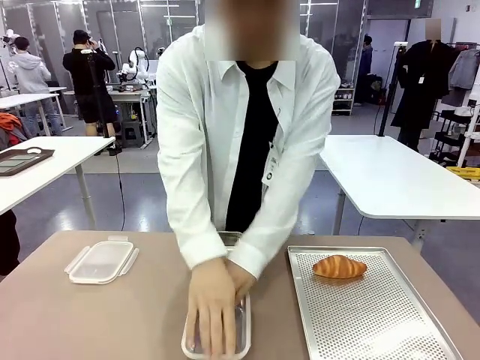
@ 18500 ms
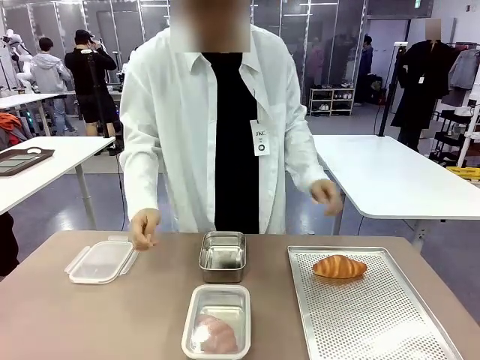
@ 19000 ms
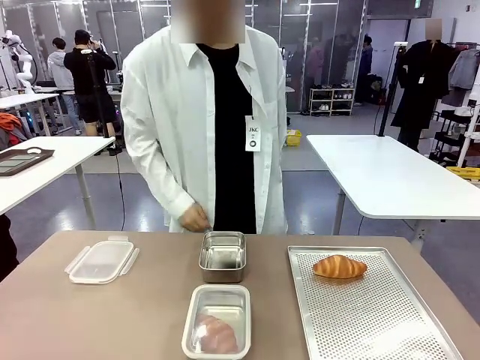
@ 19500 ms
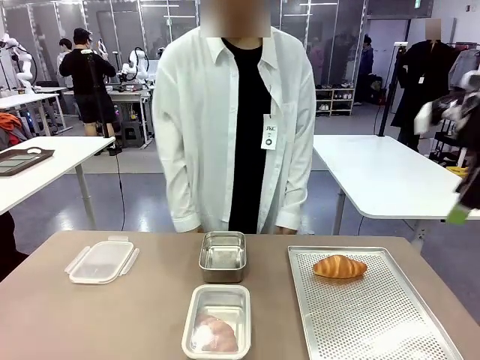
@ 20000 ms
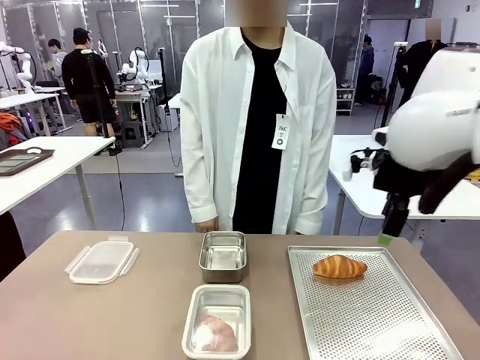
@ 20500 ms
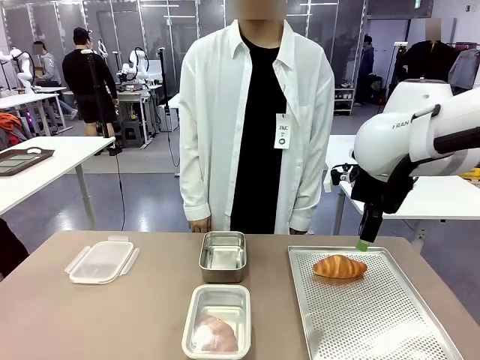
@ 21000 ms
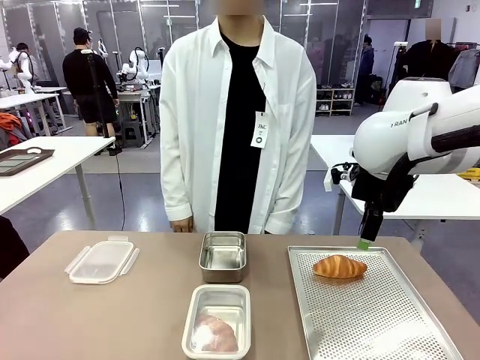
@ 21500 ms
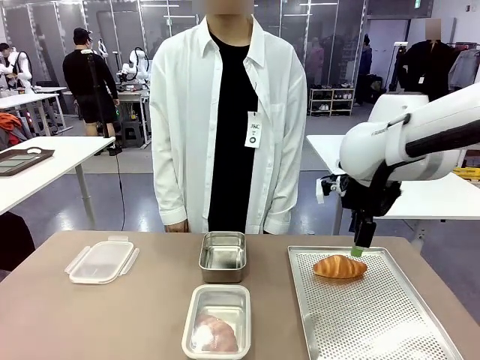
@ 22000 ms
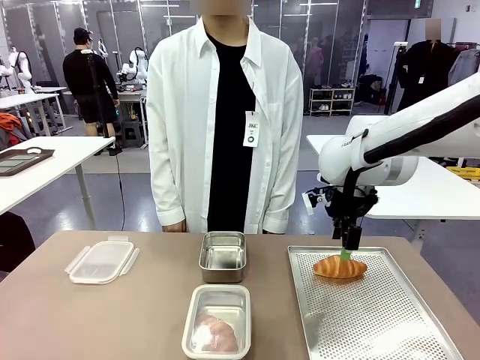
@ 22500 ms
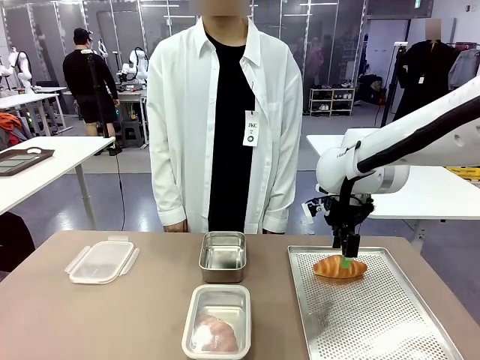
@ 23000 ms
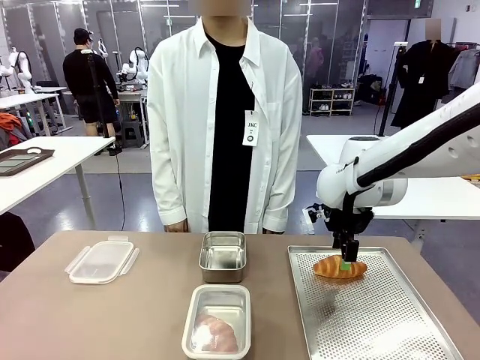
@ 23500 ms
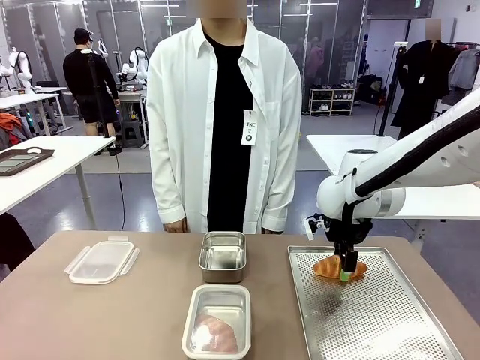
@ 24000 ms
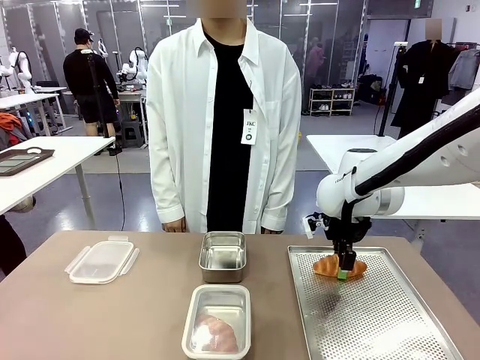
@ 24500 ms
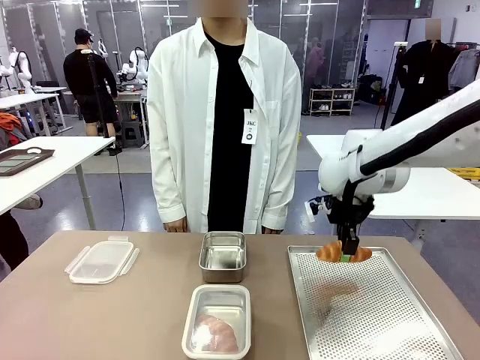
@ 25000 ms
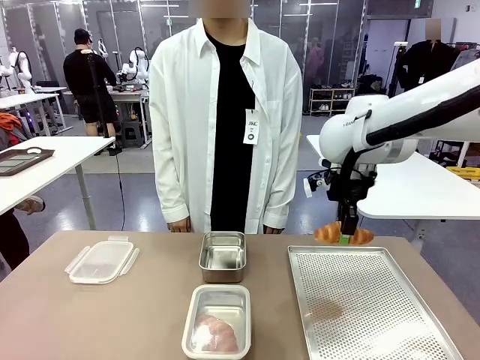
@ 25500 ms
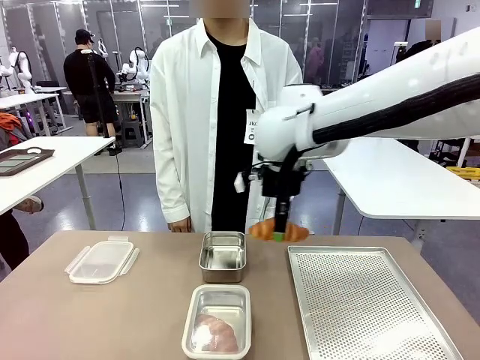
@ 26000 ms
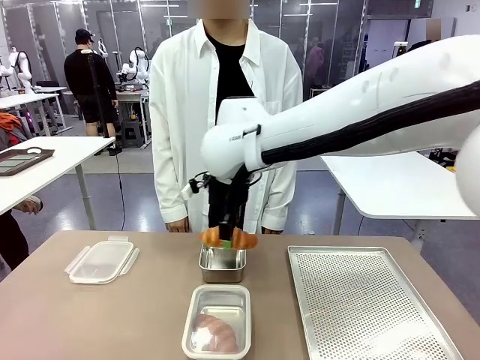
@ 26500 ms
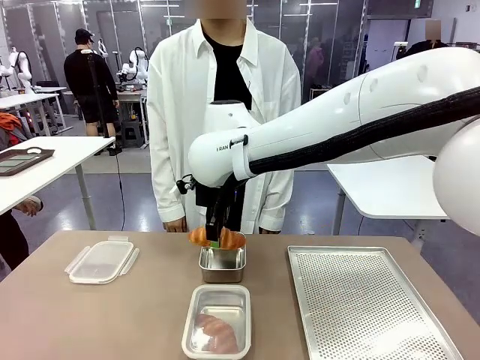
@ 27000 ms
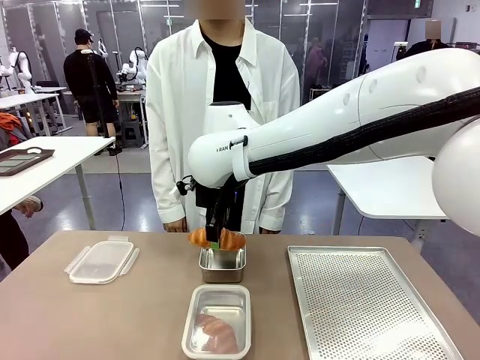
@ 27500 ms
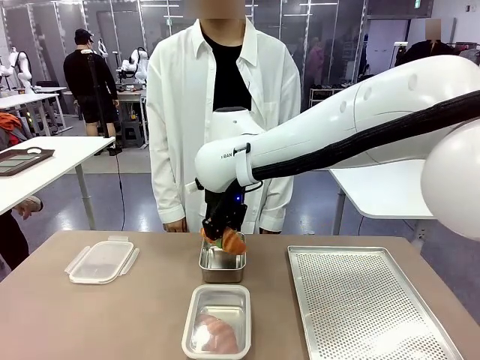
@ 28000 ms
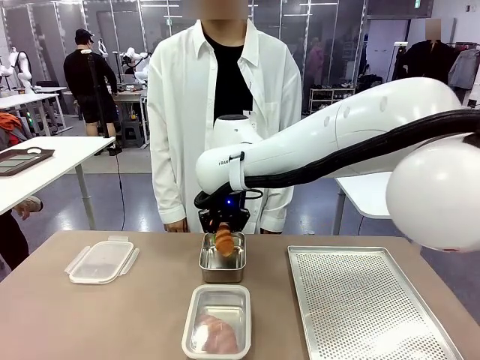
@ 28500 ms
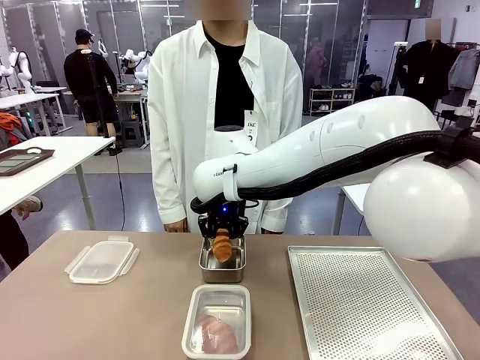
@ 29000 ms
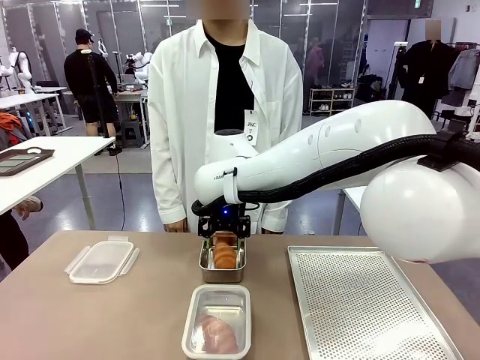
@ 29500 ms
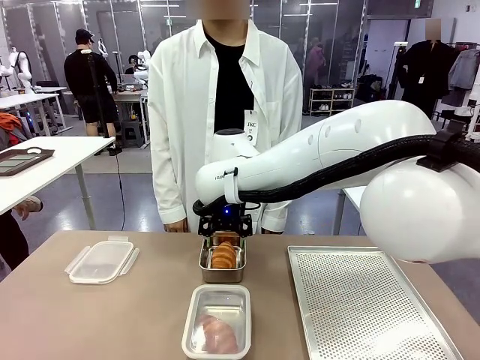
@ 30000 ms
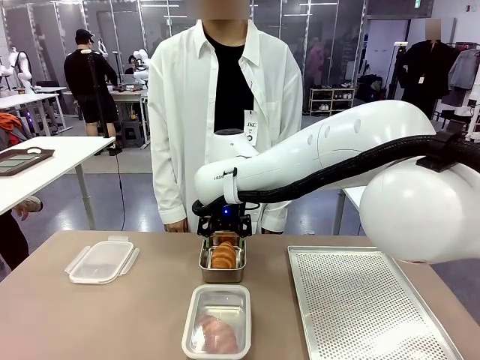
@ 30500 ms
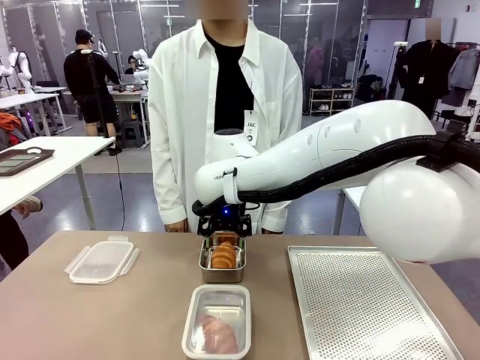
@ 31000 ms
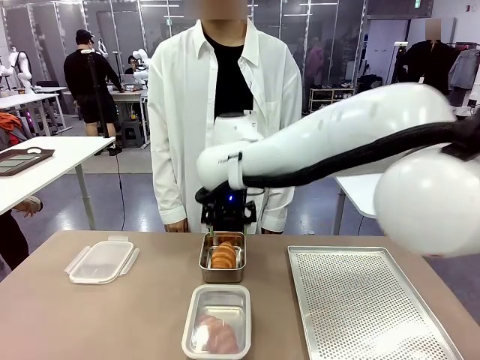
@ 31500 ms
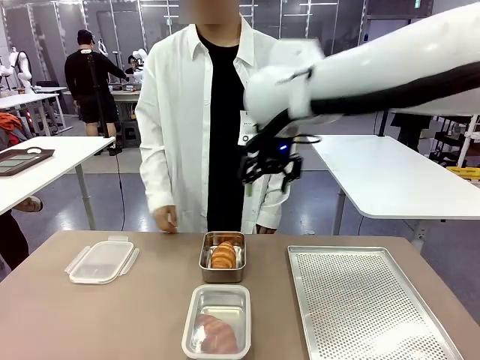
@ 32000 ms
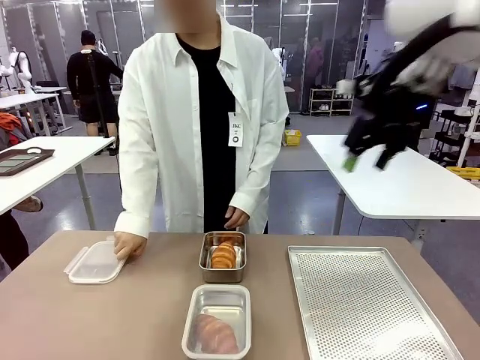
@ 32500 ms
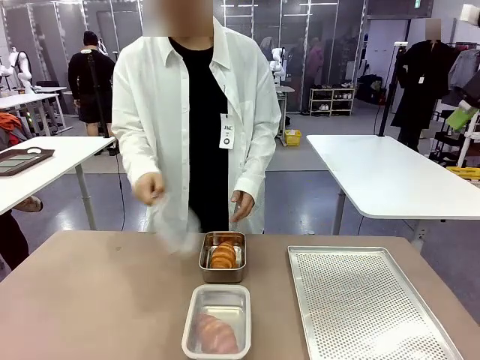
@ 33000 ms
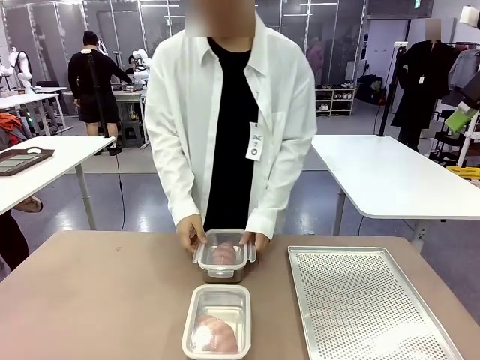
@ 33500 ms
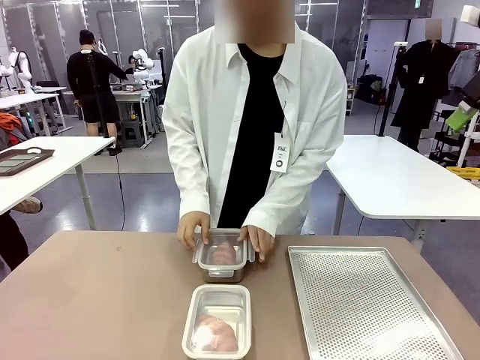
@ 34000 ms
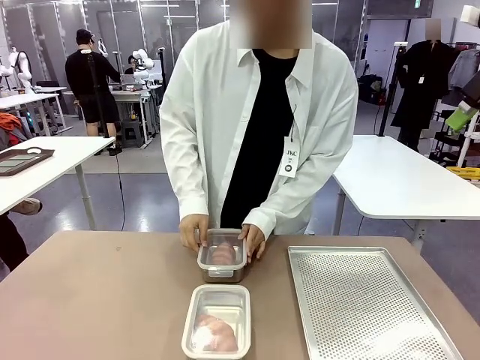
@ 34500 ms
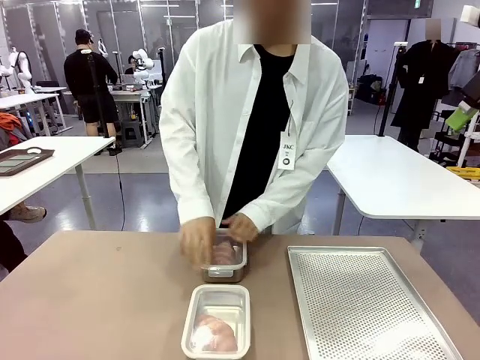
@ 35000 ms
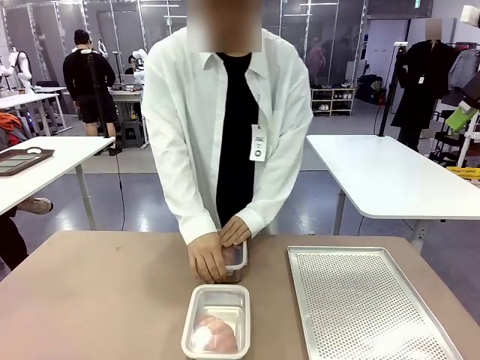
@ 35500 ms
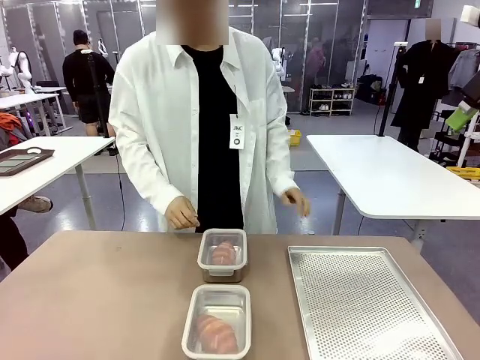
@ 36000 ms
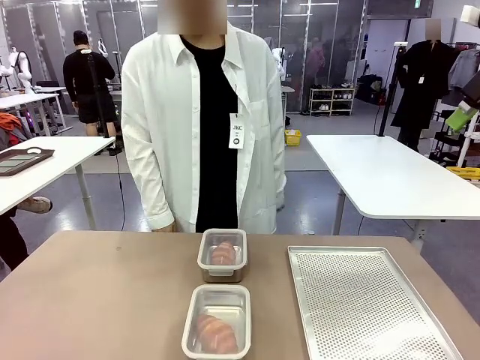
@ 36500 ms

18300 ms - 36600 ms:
Task: Place the bread into the airtight container.
Robot: Pick up a Butter Roll and place it into an empty Airtight Container.

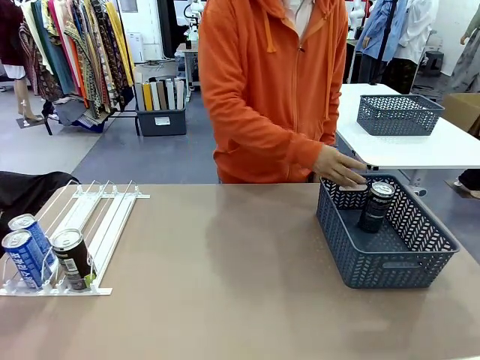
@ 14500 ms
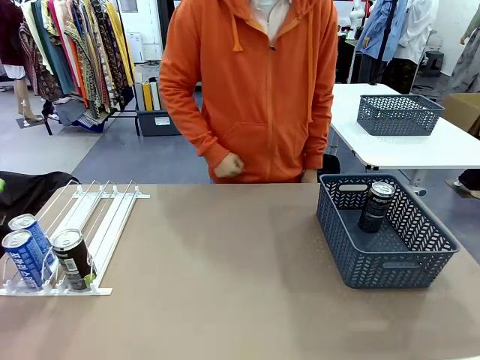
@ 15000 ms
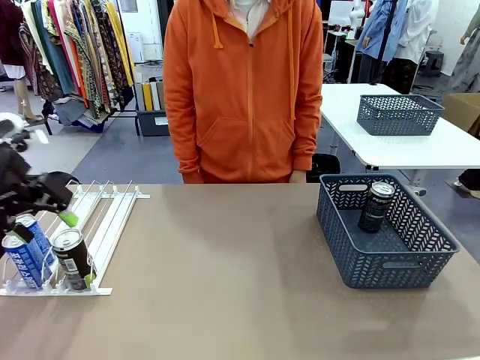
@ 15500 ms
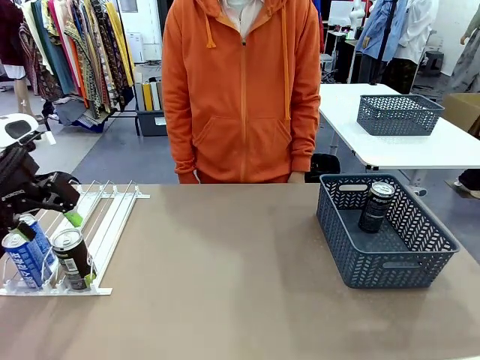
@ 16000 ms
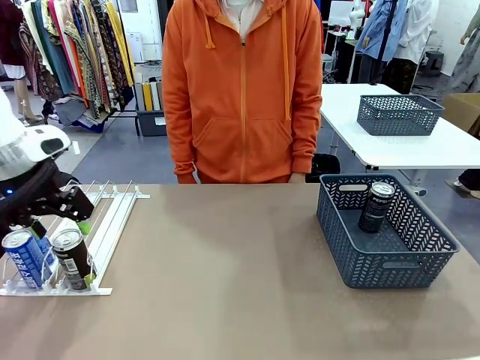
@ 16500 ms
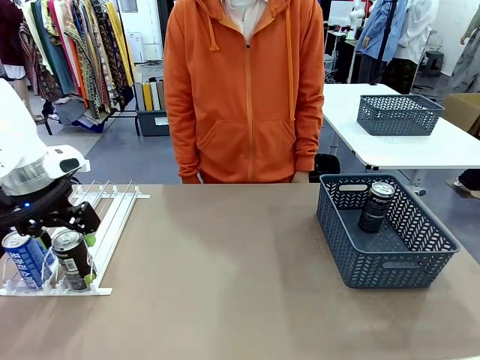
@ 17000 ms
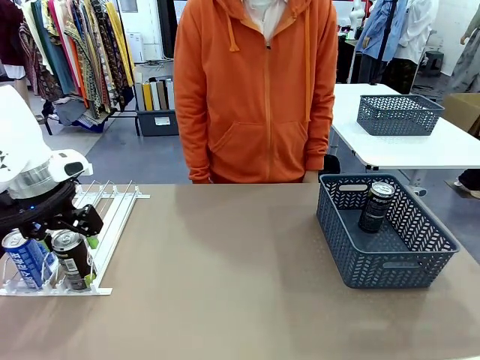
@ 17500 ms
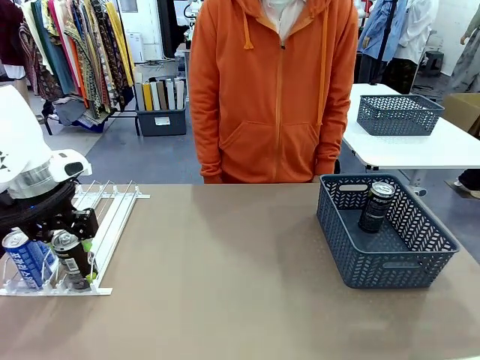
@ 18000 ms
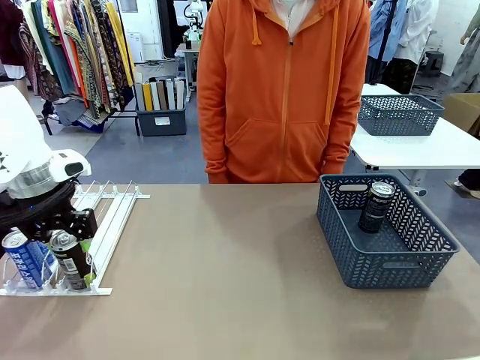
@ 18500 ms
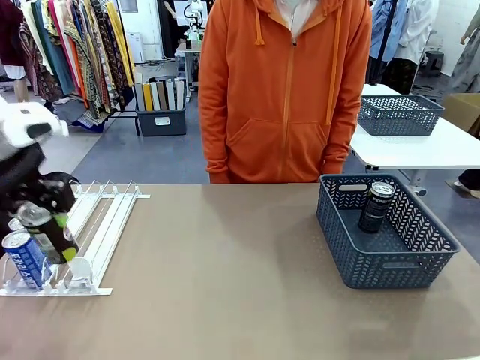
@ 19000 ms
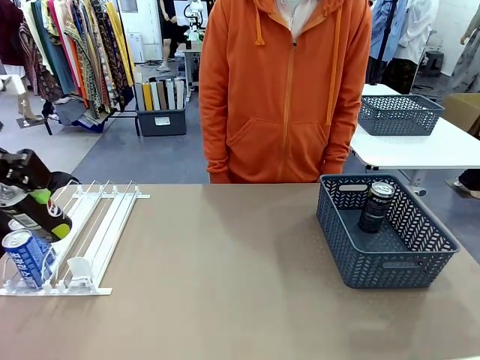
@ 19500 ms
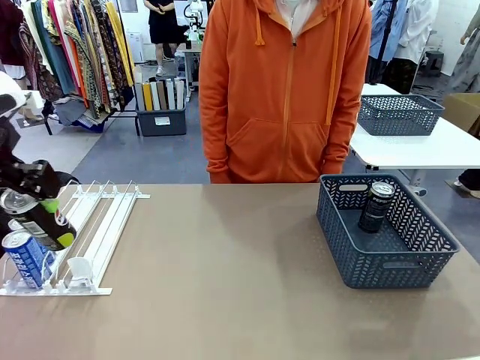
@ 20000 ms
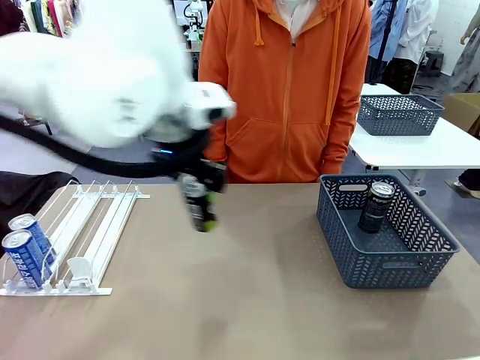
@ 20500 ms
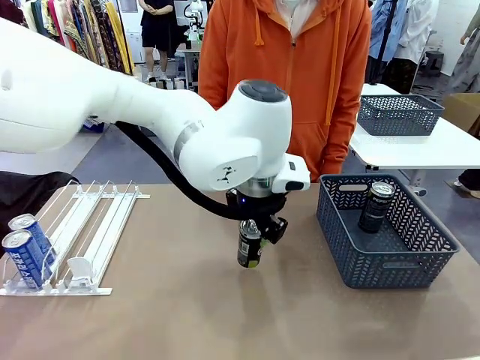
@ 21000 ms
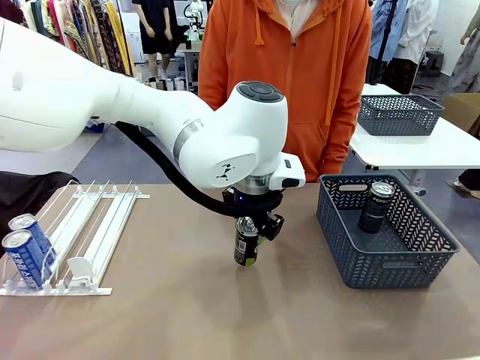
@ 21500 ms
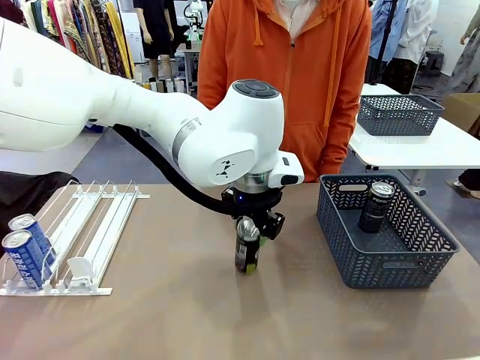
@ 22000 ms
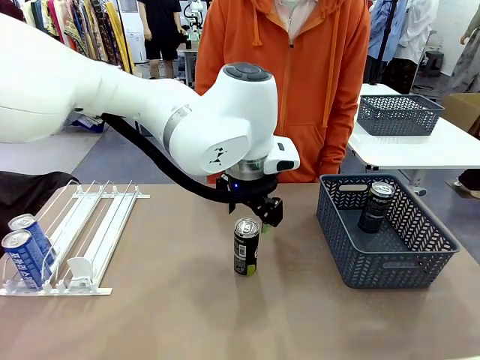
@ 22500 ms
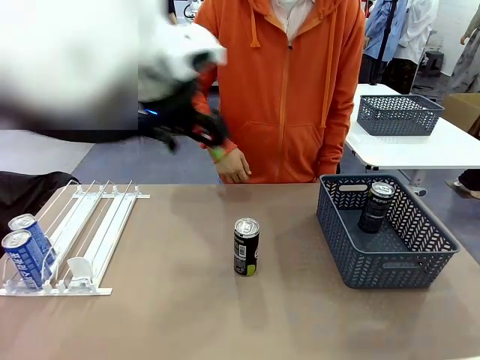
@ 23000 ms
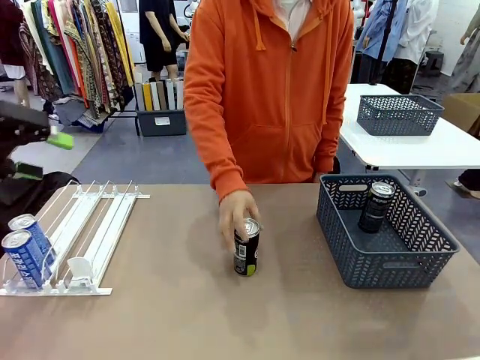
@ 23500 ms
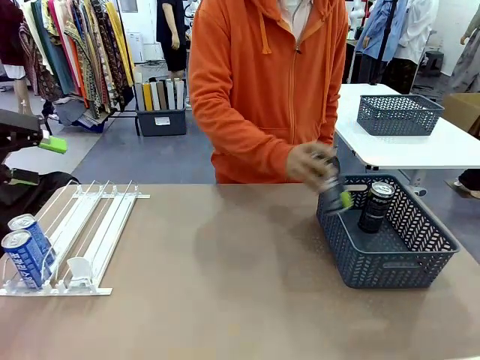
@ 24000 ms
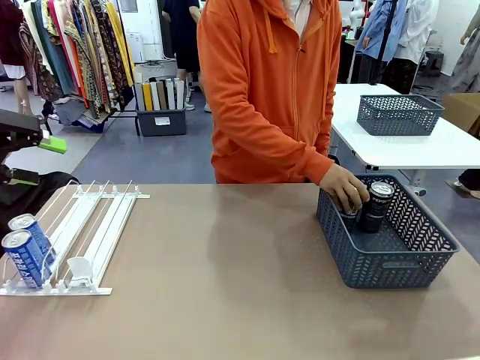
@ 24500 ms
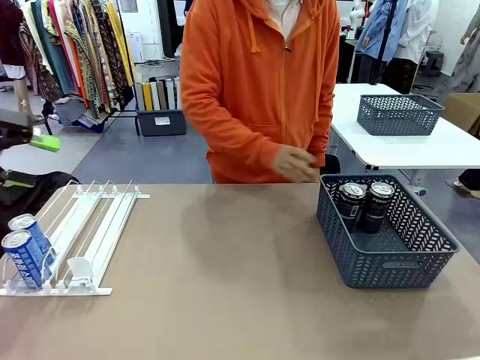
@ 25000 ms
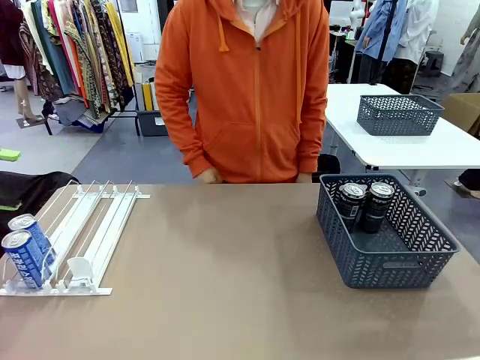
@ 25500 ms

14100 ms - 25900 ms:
Task: Retrieve and store the cans from the dispenser.
Robot: Pick up the last remaining can from one row of the Automatic Can Dispenser and place it in the middle of the table.
Person: Pick up one Pepsi can from the middle of the robot table and place it in the basket.
